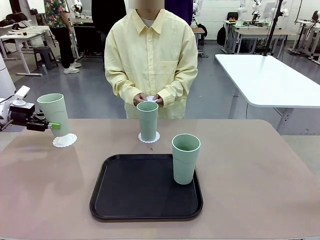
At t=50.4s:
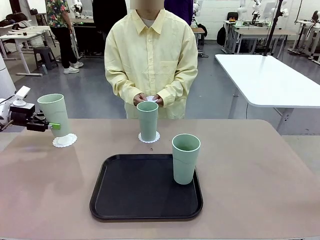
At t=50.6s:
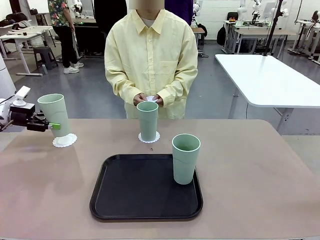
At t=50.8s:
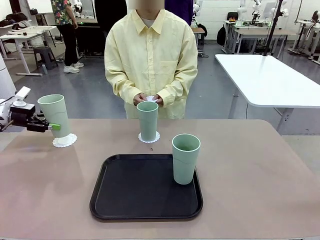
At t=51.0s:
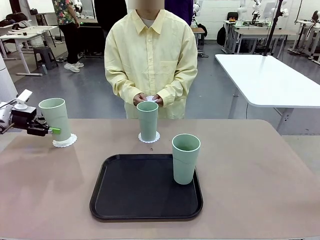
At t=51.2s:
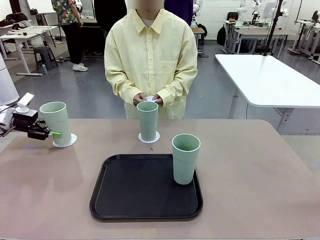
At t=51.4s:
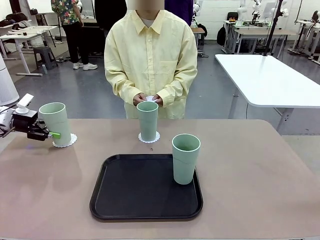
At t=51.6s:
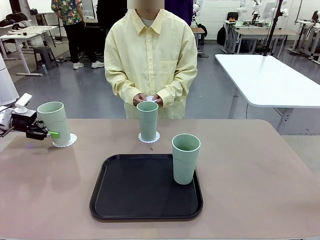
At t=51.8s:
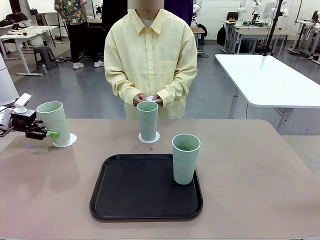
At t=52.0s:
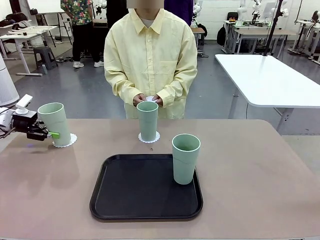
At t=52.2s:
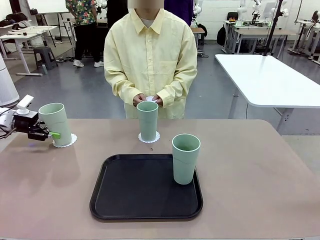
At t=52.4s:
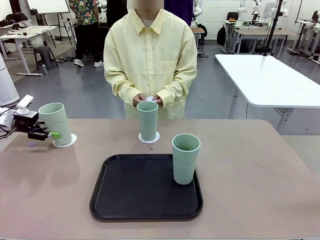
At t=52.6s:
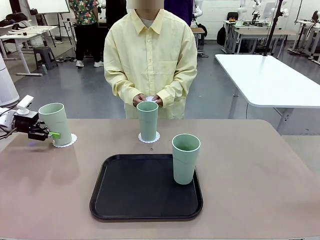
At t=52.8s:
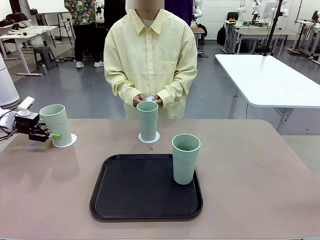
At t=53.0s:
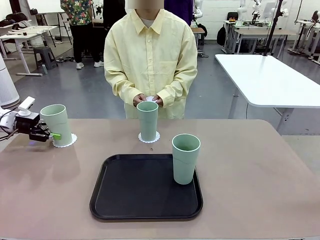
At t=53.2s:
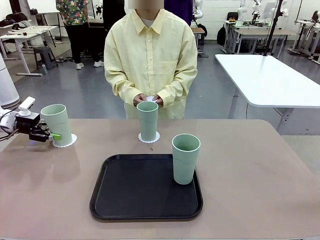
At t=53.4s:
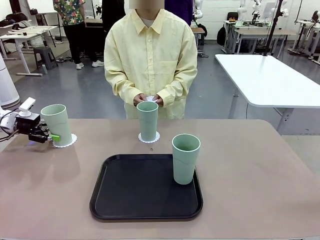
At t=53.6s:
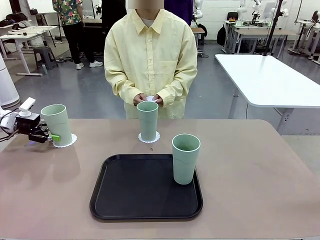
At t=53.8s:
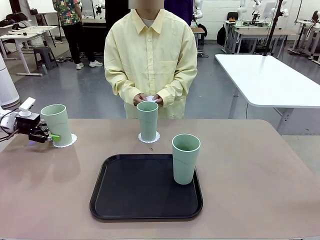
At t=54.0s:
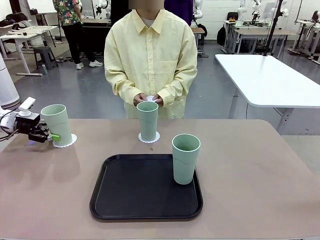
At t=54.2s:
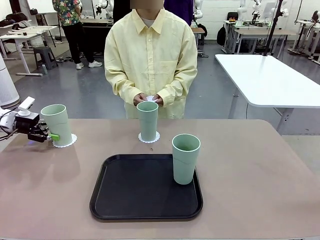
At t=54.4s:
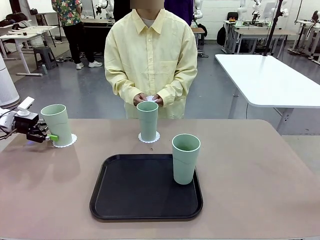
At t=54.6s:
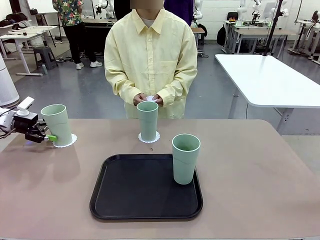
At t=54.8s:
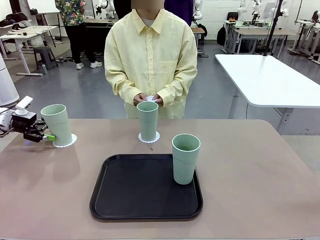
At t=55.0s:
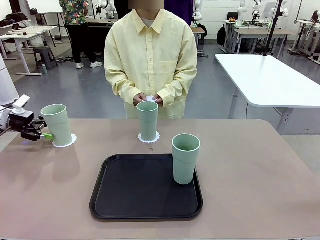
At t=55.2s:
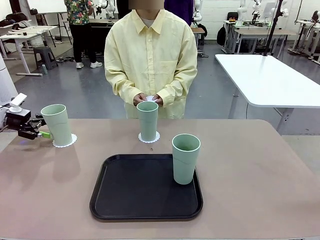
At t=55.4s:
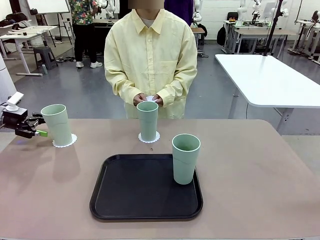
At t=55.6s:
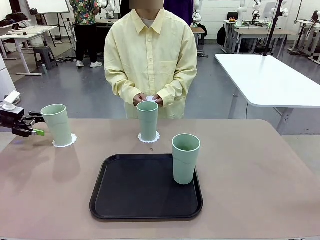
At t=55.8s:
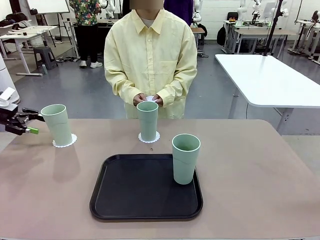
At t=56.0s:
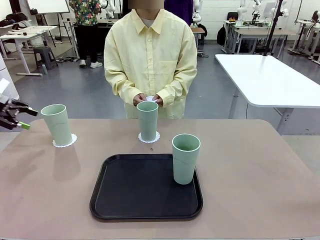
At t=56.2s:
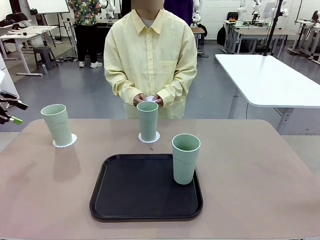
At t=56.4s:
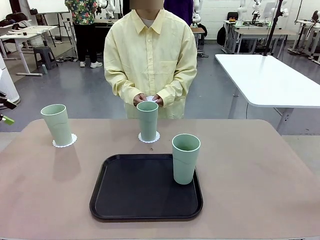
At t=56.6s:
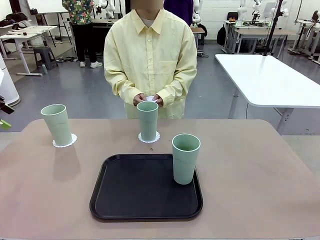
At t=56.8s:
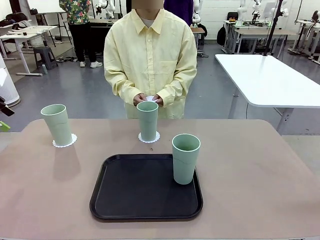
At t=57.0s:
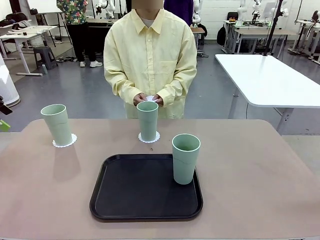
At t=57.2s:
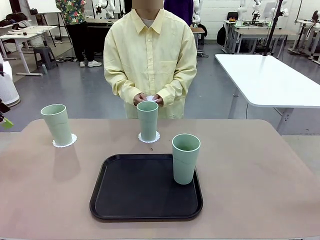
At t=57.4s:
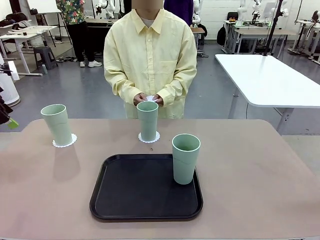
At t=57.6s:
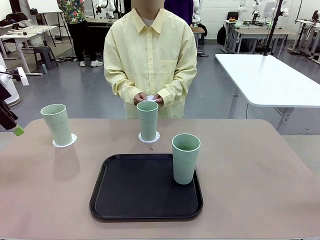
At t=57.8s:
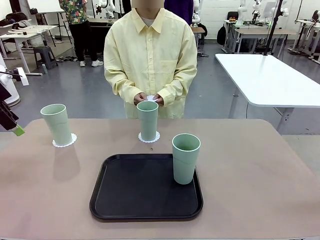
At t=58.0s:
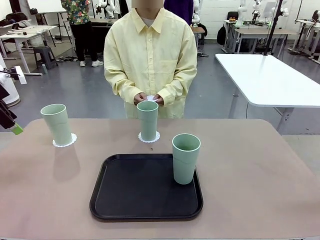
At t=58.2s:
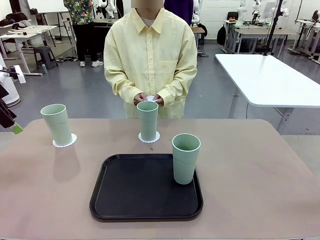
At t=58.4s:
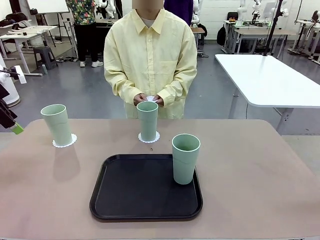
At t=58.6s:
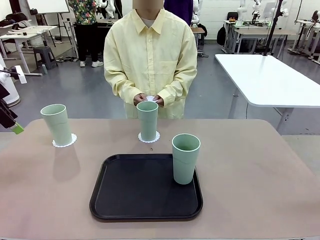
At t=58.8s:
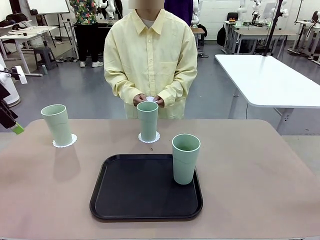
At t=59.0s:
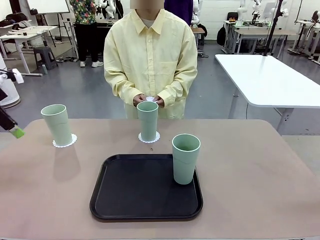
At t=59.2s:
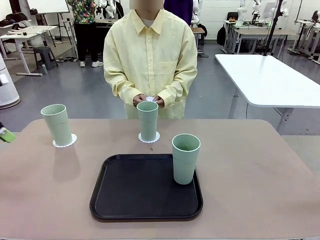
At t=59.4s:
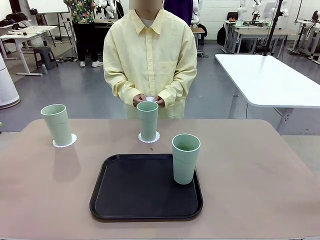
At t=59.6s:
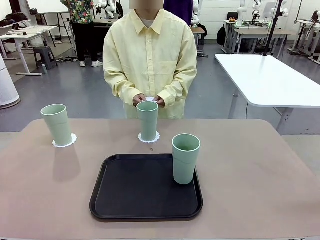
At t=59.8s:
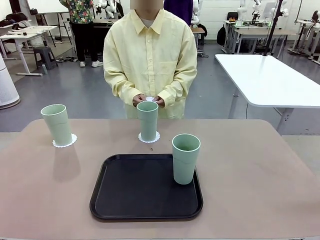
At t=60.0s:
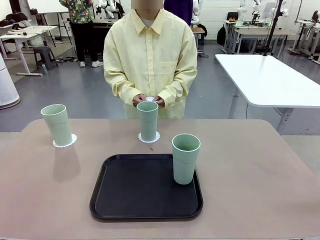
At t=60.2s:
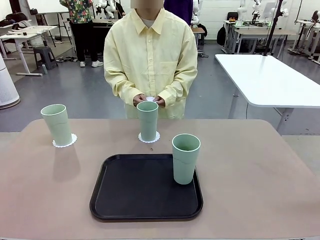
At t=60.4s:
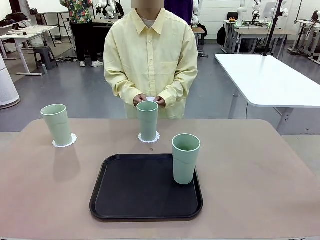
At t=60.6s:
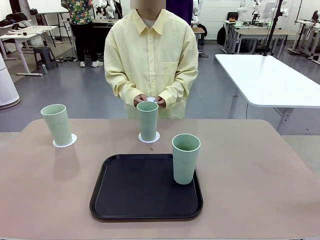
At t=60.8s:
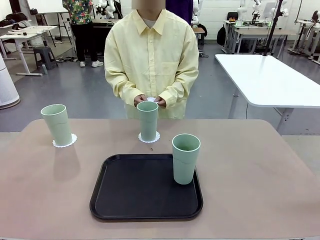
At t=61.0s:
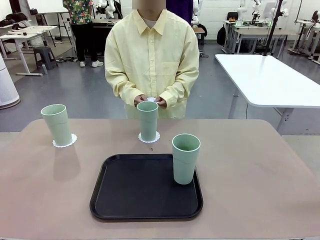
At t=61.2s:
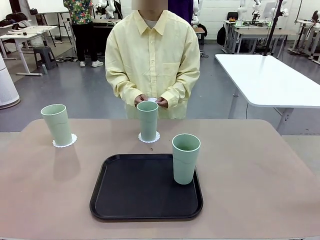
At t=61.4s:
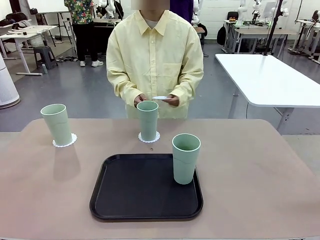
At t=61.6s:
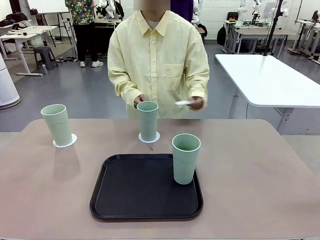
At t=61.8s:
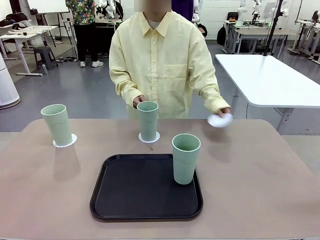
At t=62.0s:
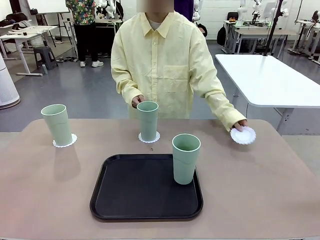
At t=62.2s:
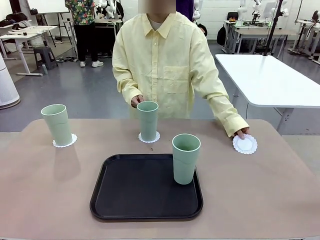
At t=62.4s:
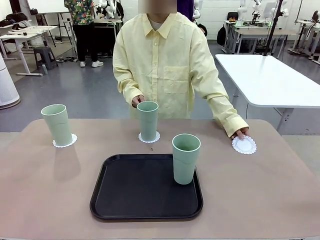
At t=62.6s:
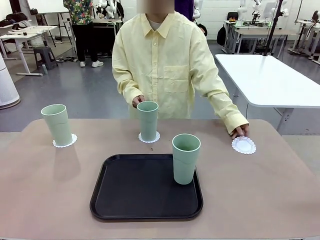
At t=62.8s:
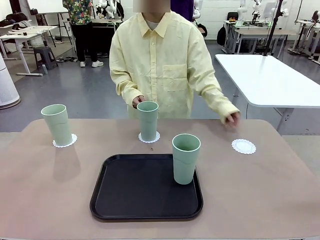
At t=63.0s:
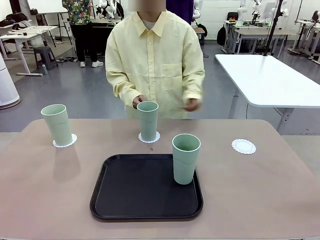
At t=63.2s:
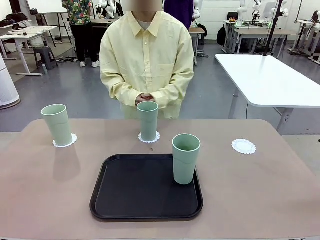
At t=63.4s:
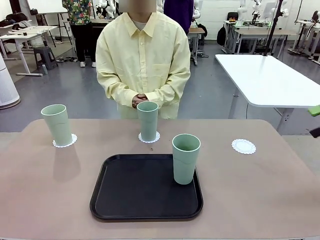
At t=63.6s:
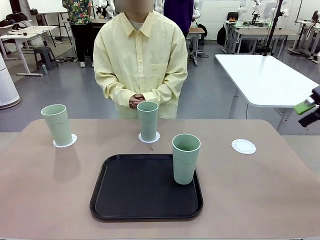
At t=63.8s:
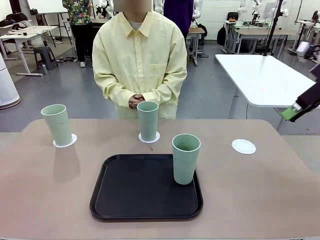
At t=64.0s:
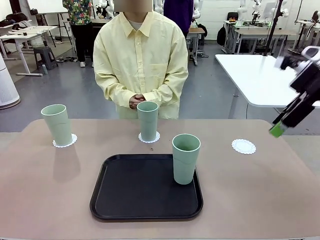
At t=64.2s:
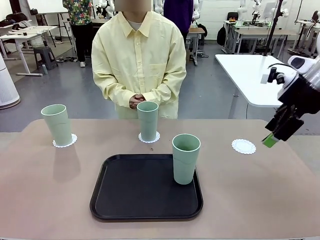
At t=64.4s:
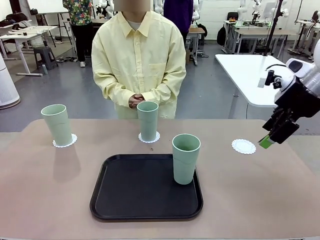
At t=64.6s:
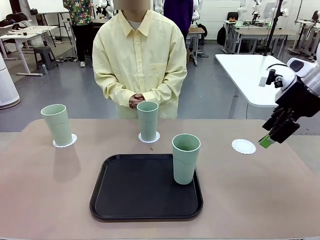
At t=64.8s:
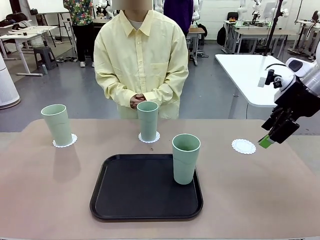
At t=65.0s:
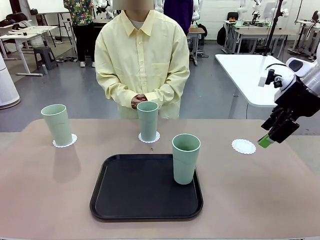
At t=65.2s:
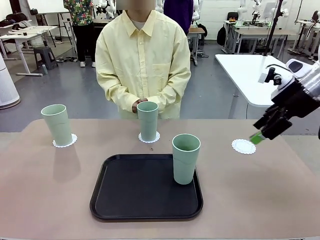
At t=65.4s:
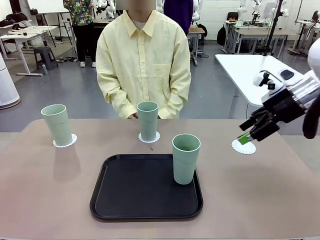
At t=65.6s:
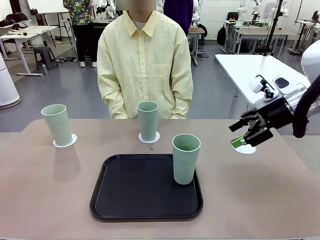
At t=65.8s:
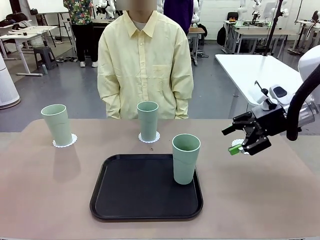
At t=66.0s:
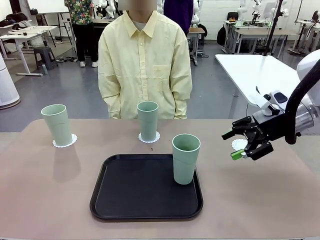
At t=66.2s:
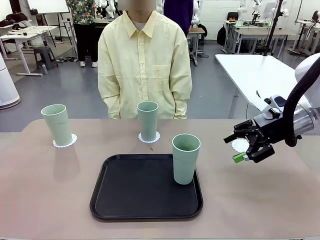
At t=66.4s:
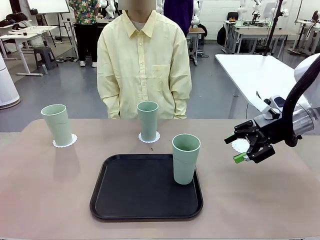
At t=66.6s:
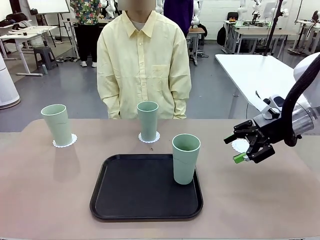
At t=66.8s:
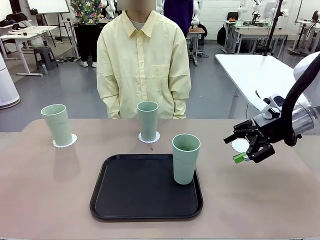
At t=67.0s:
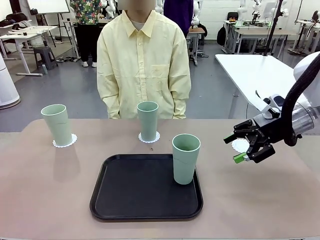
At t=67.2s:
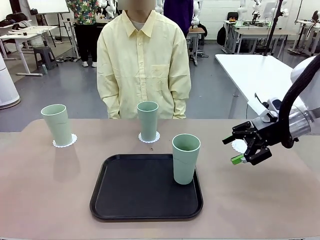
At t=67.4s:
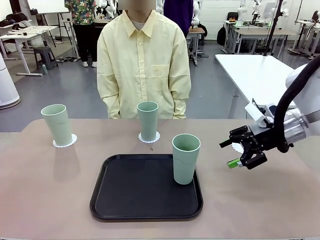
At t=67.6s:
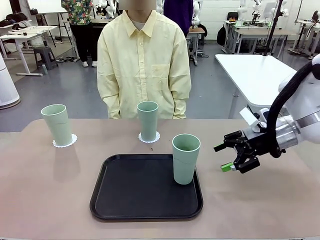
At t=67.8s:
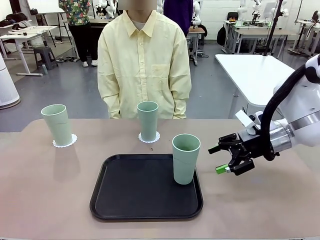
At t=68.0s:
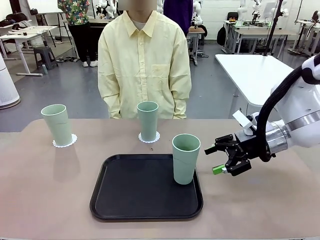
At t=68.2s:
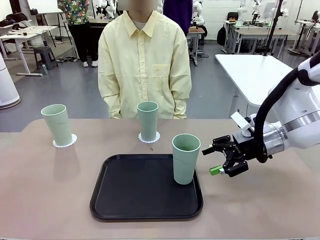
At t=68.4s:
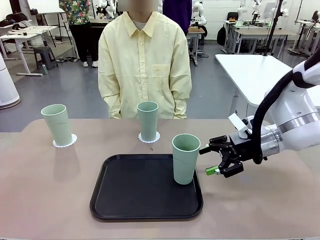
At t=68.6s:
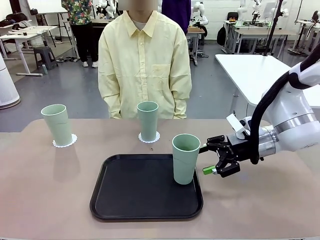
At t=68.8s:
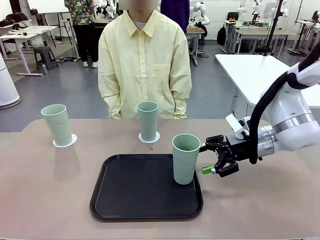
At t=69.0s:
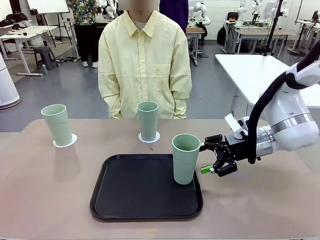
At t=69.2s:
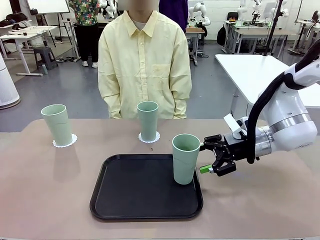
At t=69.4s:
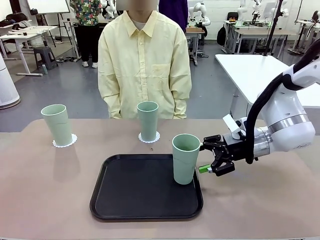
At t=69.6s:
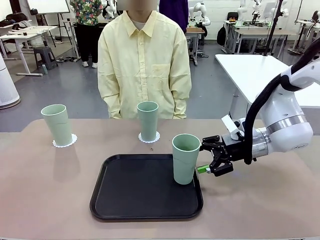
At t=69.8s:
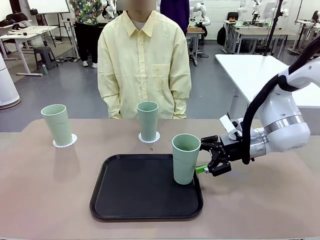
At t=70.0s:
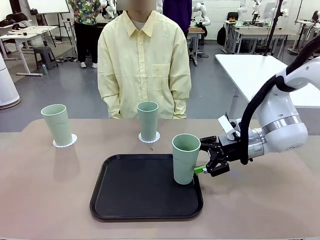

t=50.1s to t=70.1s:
Task: Place coasters on the table and set cups on them.
Robot: Take one Reusable plastic cup from the Flat Tray and place it on a coaster set by the human.
